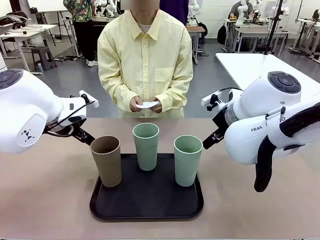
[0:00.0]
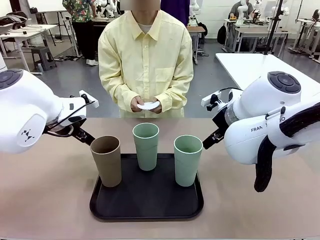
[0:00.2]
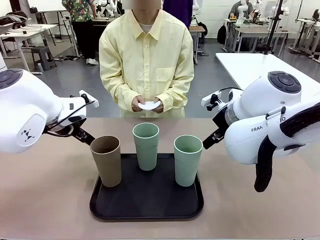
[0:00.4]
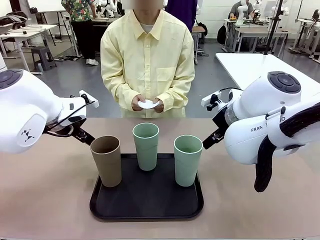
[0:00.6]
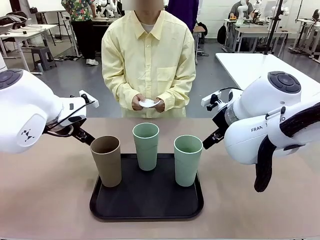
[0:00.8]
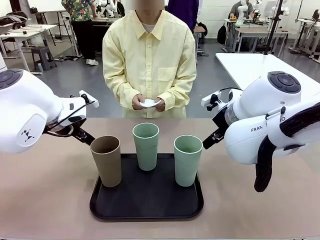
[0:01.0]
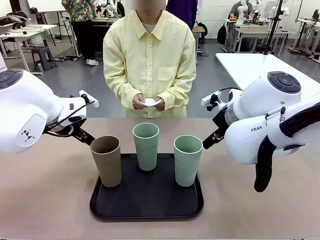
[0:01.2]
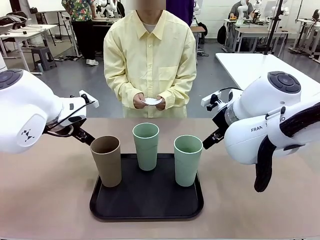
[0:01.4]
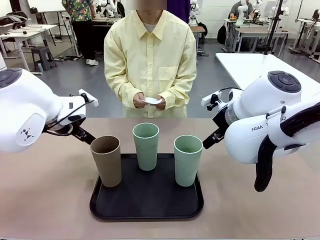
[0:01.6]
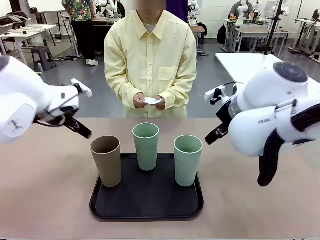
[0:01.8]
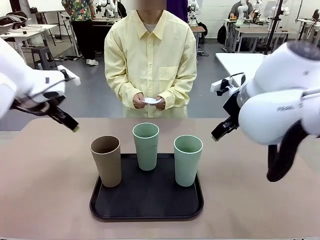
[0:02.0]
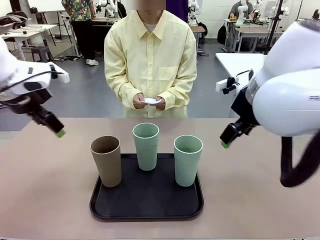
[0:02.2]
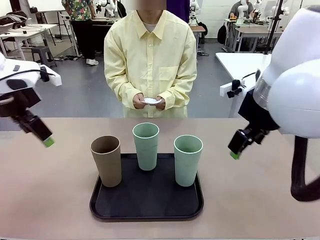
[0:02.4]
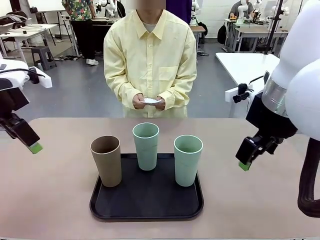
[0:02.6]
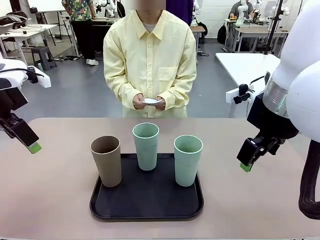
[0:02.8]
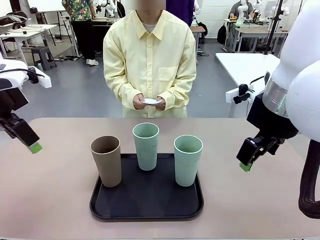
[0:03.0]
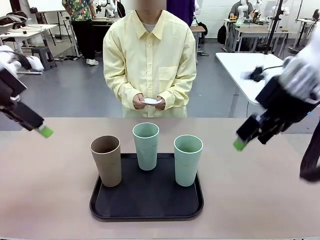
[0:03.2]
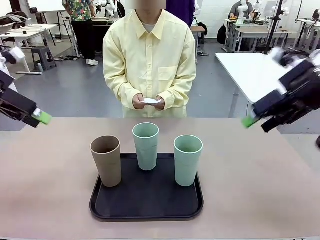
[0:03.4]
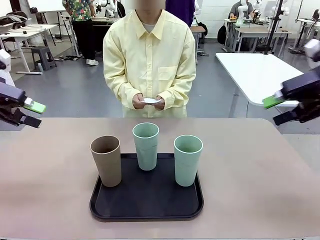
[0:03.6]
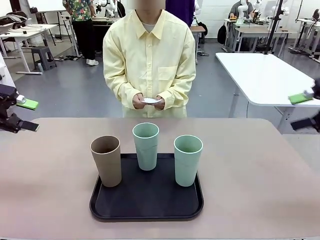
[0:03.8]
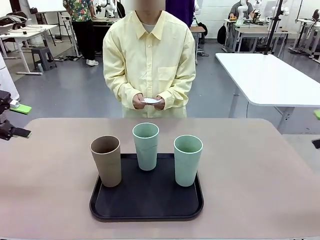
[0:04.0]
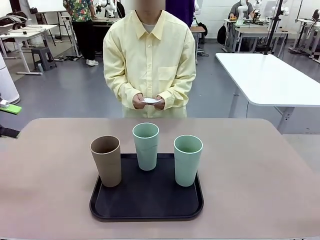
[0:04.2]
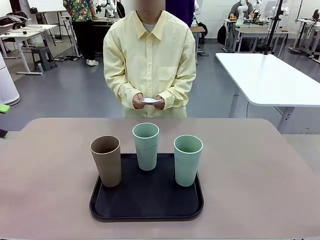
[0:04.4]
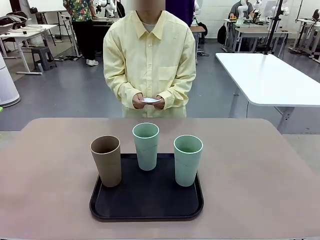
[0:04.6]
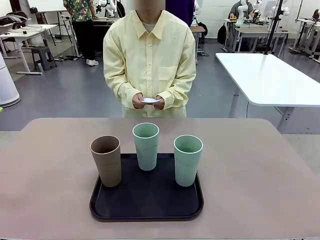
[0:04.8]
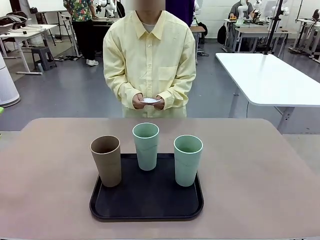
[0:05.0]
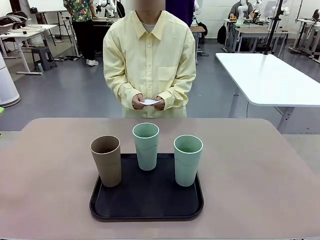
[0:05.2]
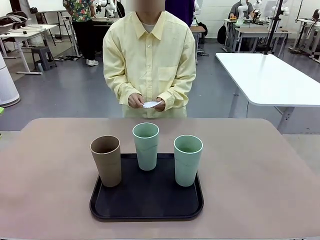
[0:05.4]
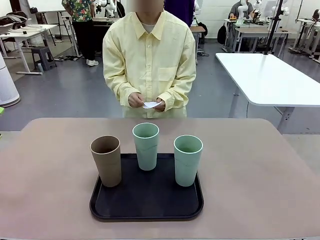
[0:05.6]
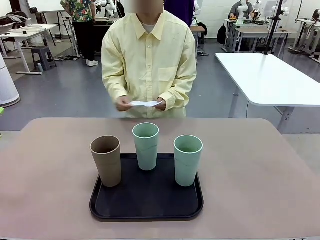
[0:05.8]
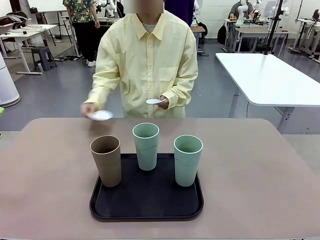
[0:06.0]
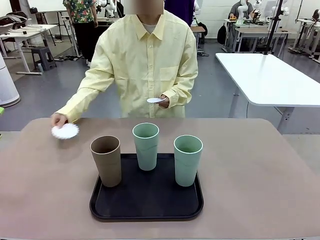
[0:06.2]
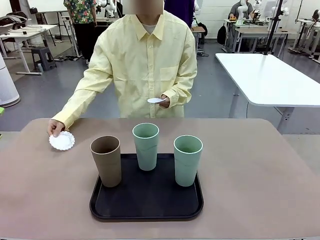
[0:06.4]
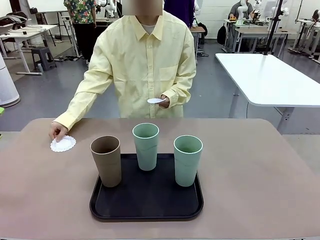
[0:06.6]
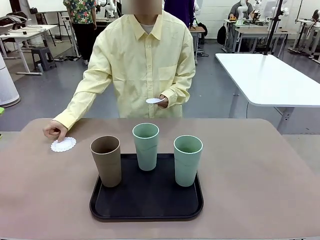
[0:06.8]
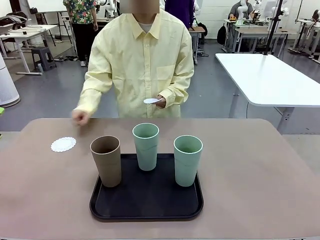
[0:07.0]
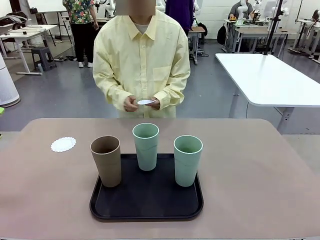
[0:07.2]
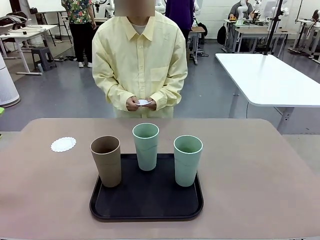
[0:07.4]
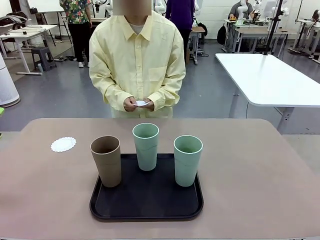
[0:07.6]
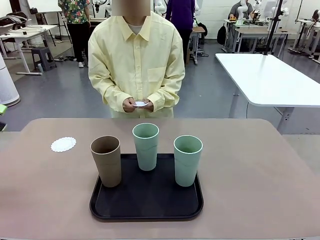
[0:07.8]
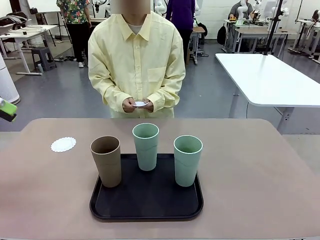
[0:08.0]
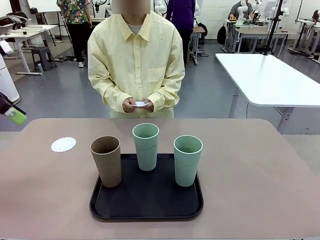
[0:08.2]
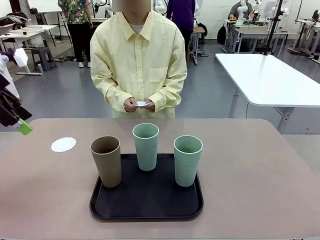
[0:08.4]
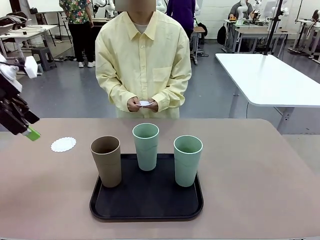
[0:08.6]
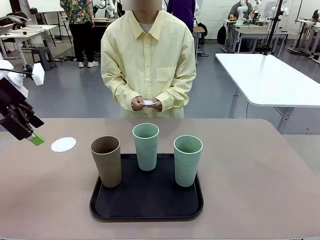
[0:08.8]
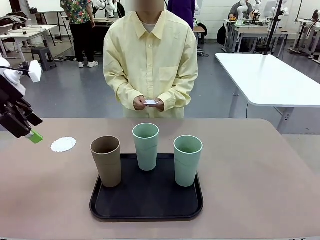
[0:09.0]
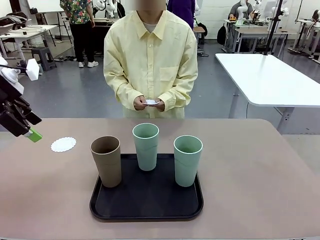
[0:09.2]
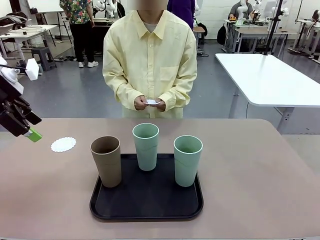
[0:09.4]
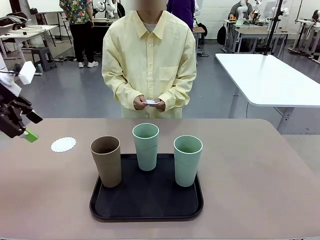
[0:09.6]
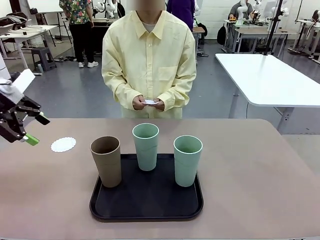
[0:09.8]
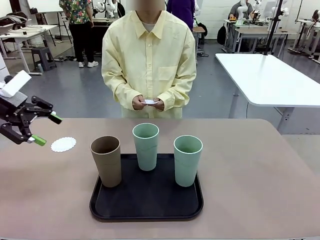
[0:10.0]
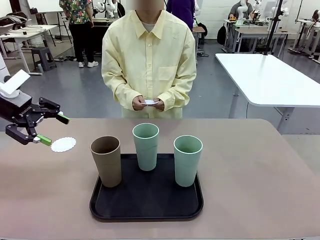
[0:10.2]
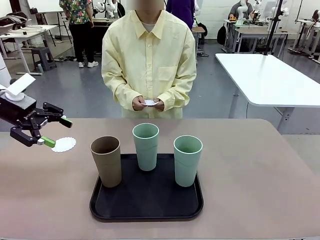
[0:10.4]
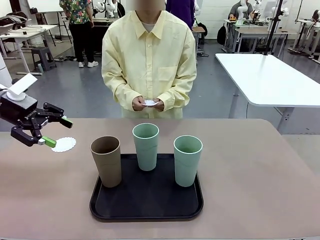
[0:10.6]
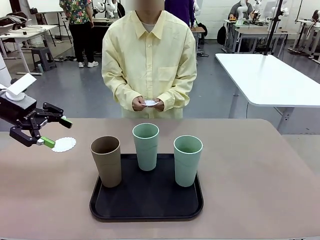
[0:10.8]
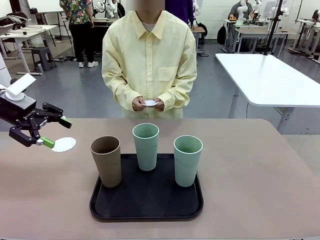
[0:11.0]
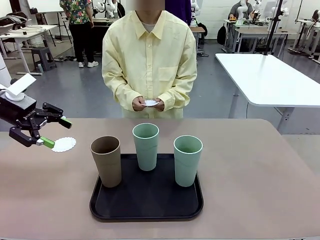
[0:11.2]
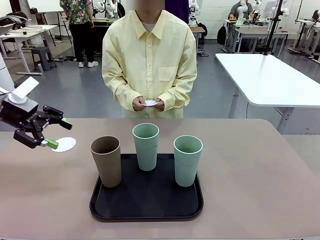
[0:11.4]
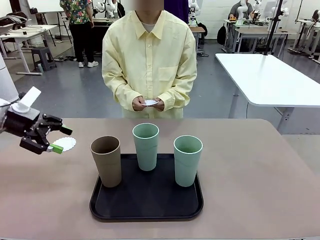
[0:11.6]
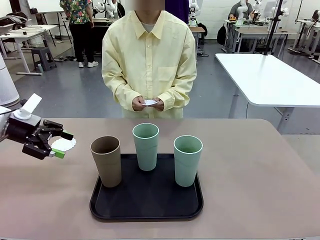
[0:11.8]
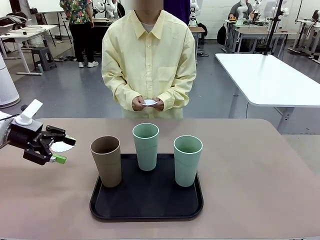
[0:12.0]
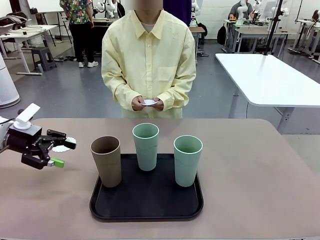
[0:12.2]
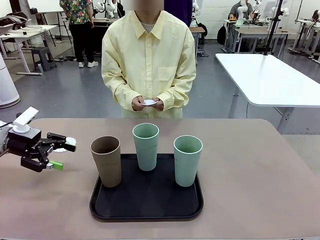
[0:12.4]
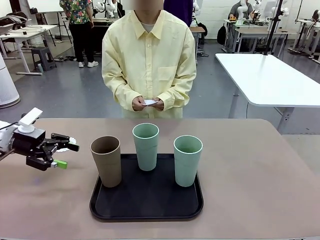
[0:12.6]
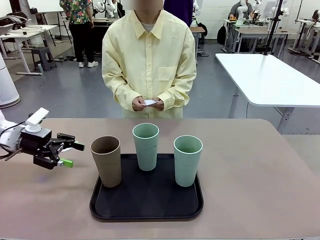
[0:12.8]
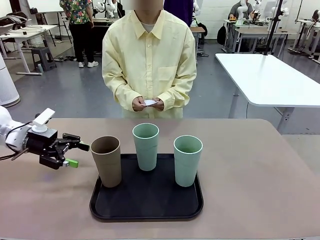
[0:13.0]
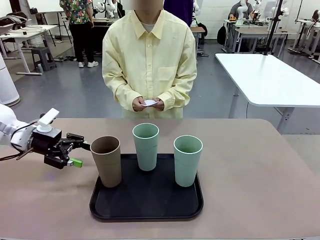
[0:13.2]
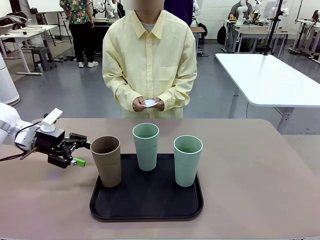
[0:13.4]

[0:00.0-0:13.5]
Task: Place coasters on the table and set cups on them.
Robot: Pick up one Reusable plastic cup and place it on a coaster set by the human.
Person: Place one coaster in any one of the three lower areas of the robot table (left, center, or right).

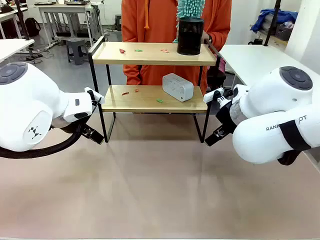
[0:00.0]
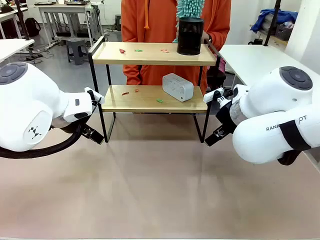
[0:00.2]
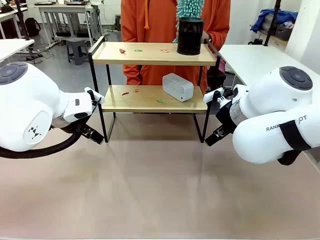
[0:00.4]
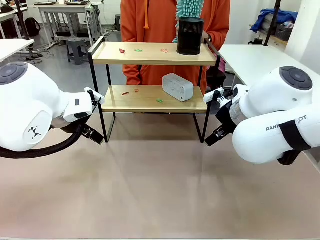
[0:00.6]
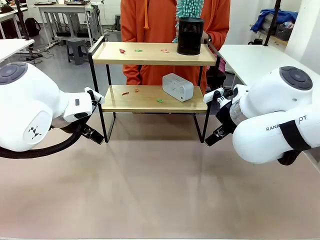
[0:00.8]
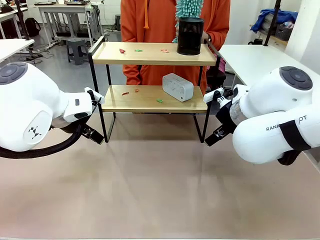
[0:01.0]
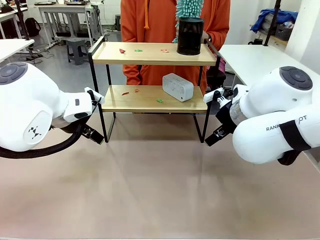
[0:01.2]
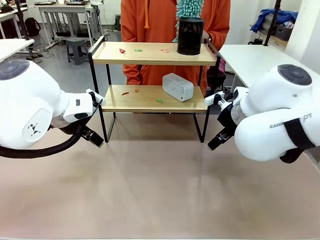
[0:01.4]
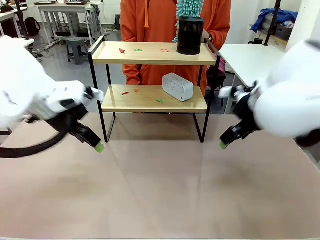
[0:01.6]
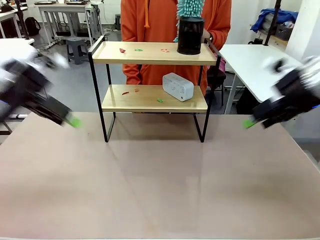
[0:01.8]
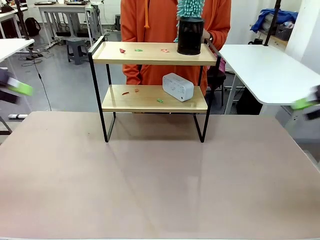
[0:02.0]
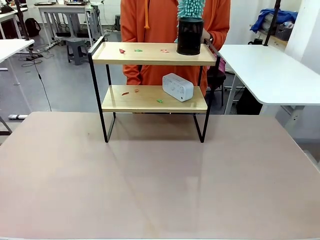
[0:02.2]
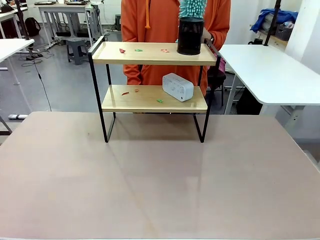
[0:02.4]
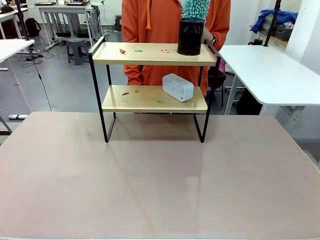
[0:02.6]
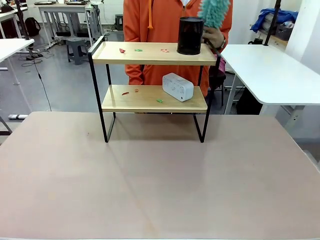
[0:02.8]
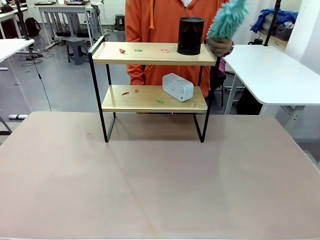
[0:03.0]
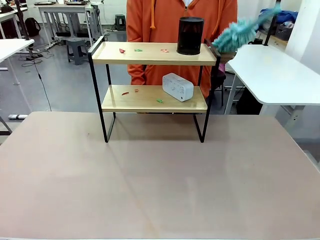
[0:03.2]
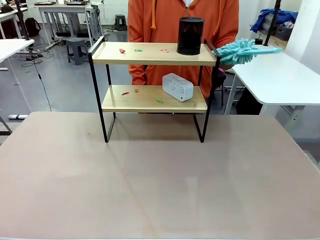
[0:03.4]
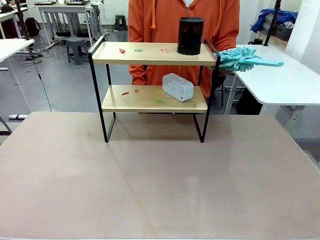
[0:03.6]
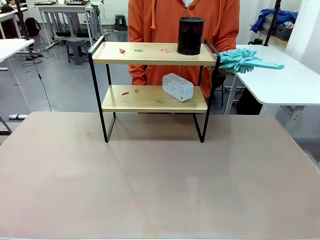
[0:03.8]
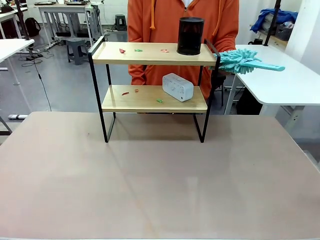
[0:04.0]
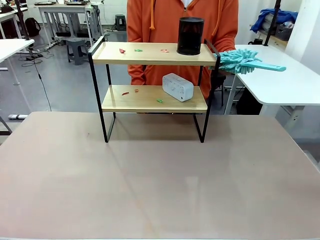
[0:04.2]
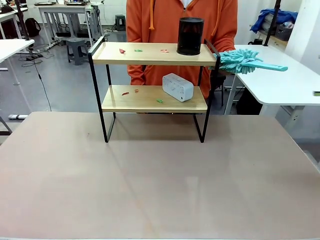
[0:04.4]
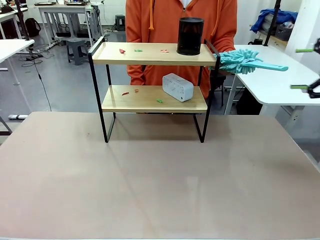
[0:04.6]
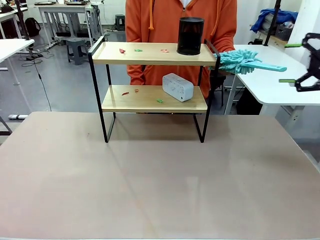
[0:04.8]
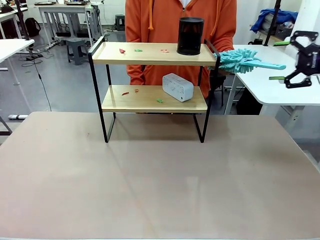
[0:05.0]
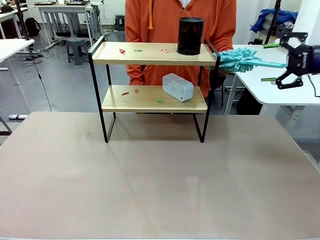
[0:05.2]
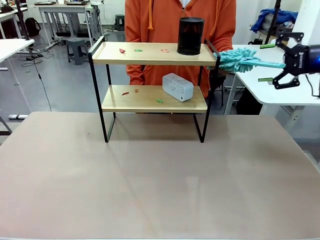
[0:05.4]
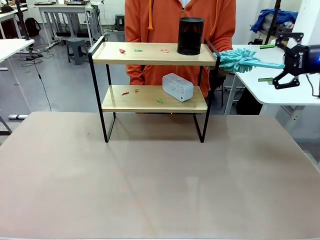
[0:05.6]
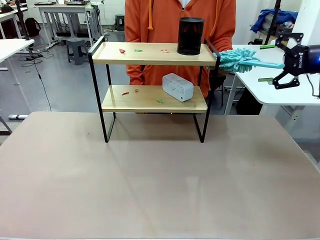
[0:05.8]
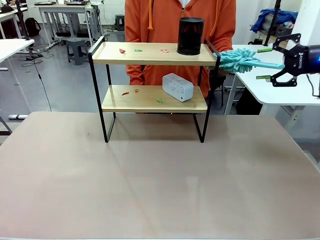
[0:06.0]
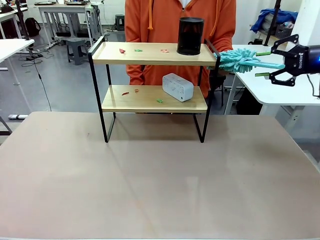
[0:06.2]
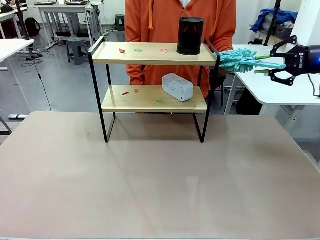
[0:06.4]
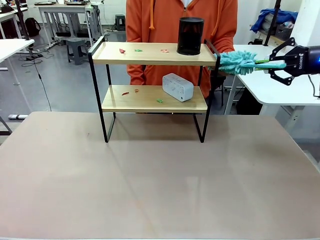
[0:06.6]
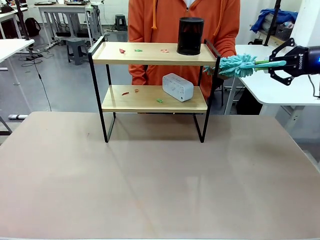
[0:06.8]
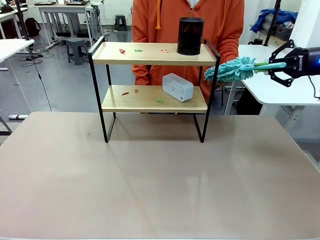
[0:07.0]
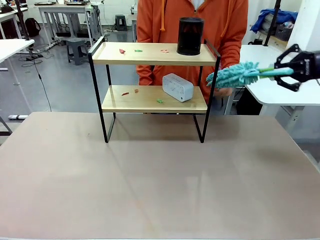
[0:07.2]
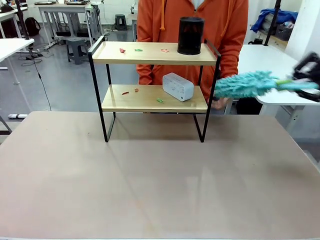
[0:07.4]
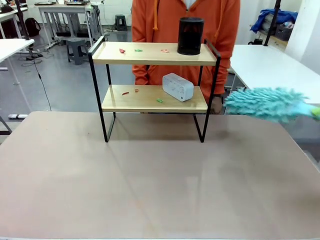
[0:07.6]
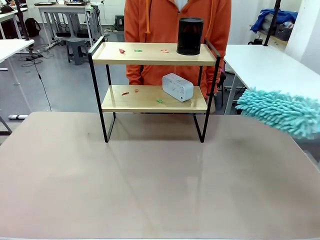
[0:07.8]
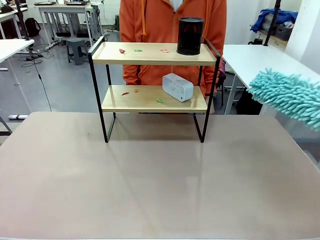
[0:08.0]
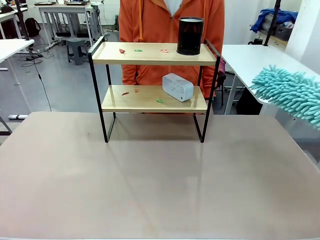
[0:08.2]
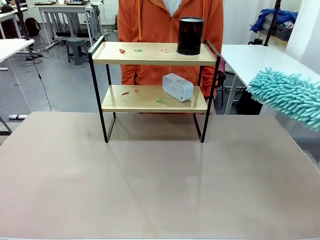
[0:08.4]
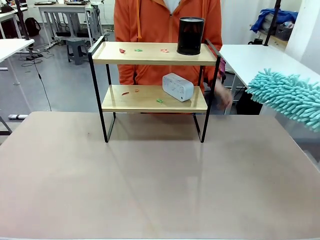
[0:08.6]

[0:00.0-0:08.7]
Task: Clean the shelf.
Robot: Pick up the Duster from the human.
Person: Hand the Duster to the robot.
